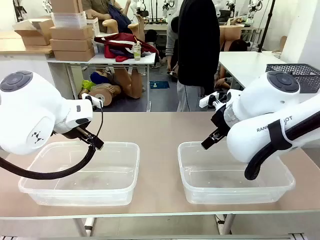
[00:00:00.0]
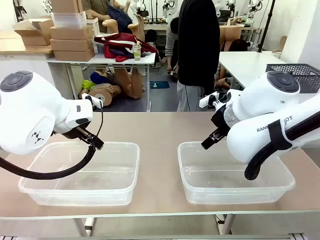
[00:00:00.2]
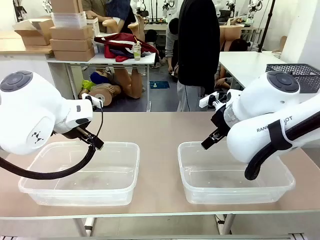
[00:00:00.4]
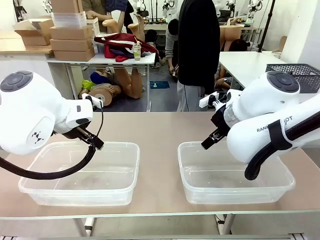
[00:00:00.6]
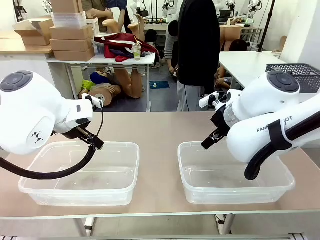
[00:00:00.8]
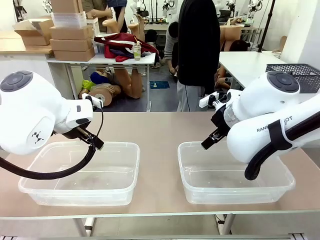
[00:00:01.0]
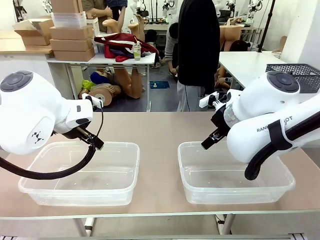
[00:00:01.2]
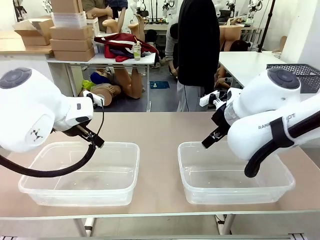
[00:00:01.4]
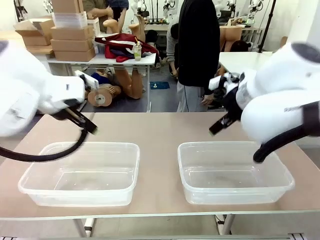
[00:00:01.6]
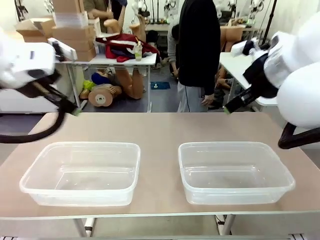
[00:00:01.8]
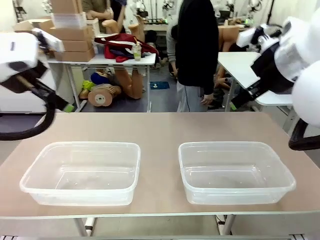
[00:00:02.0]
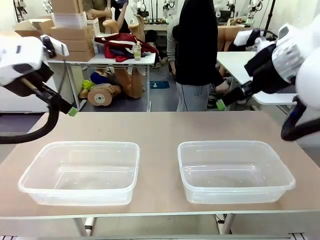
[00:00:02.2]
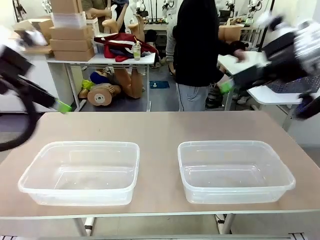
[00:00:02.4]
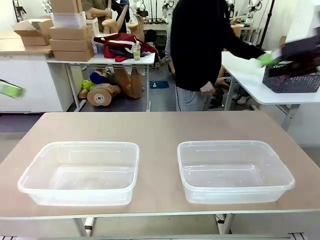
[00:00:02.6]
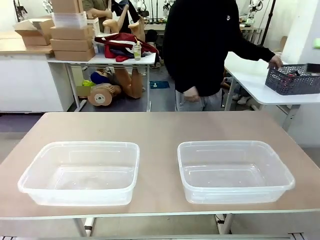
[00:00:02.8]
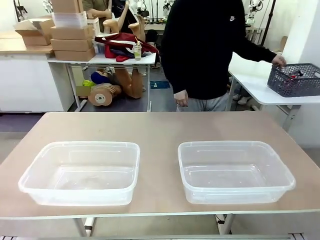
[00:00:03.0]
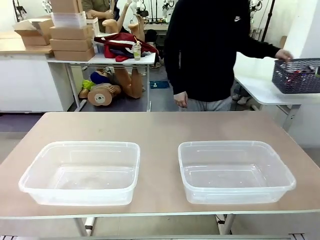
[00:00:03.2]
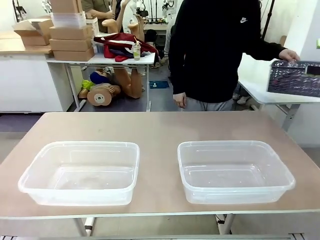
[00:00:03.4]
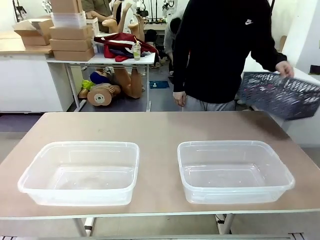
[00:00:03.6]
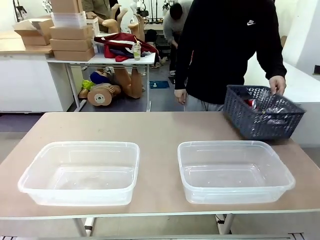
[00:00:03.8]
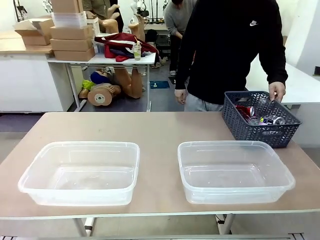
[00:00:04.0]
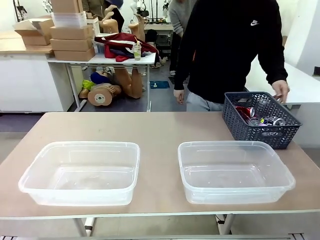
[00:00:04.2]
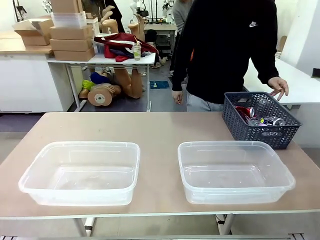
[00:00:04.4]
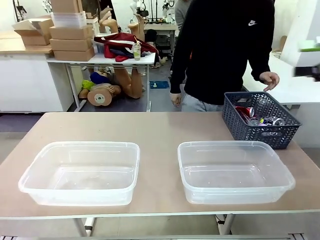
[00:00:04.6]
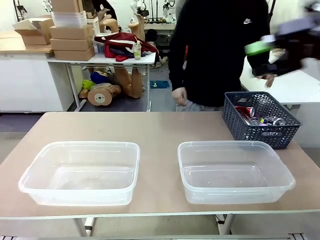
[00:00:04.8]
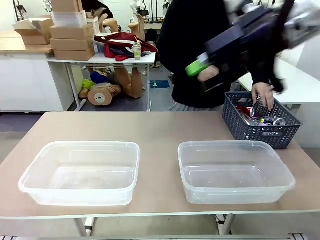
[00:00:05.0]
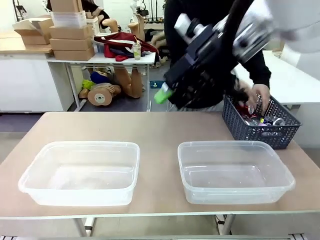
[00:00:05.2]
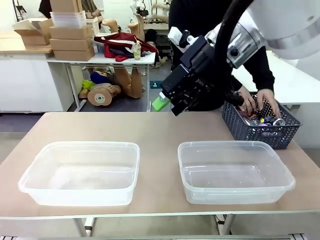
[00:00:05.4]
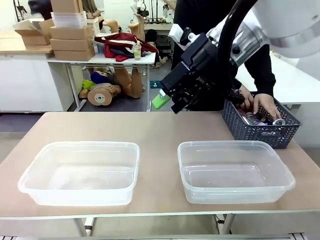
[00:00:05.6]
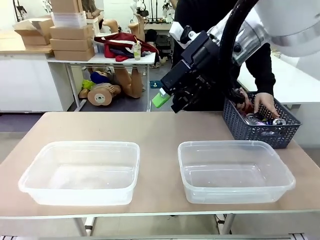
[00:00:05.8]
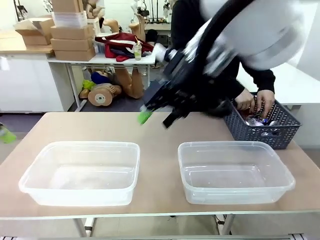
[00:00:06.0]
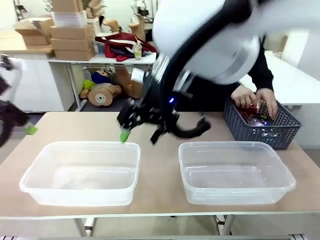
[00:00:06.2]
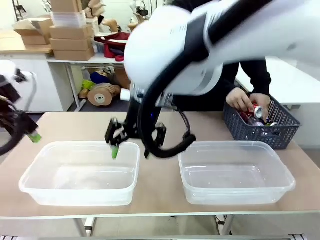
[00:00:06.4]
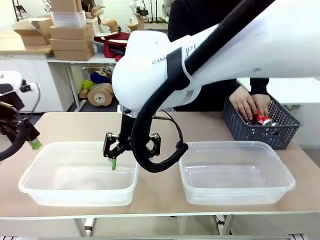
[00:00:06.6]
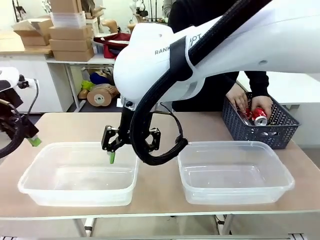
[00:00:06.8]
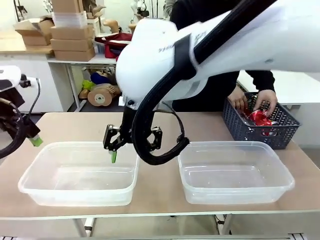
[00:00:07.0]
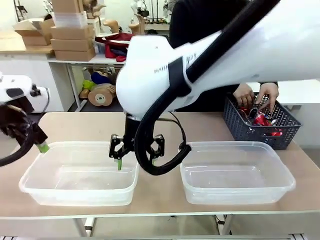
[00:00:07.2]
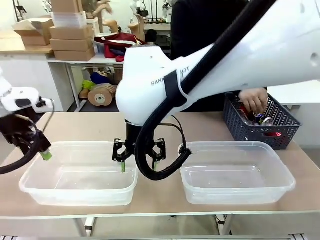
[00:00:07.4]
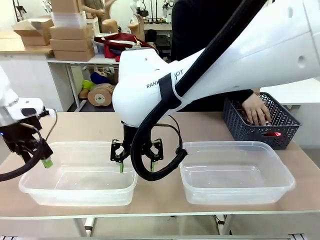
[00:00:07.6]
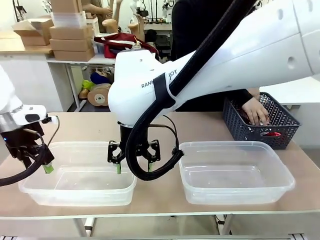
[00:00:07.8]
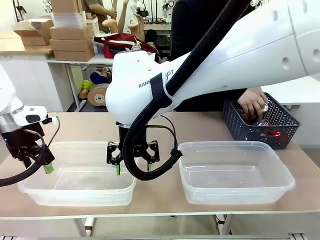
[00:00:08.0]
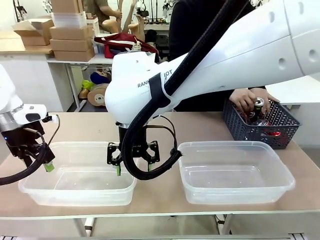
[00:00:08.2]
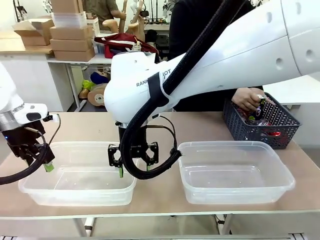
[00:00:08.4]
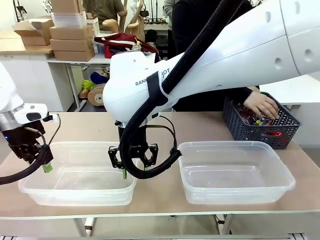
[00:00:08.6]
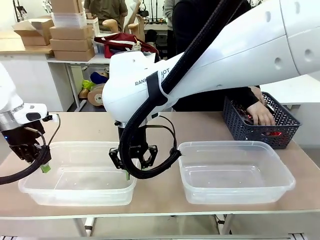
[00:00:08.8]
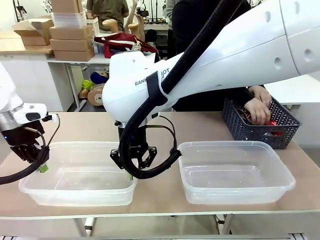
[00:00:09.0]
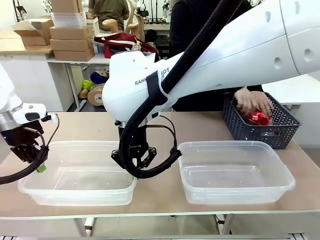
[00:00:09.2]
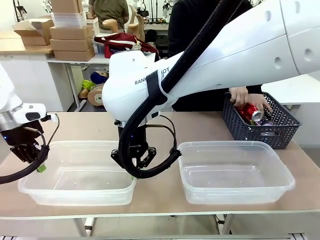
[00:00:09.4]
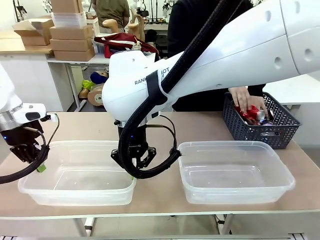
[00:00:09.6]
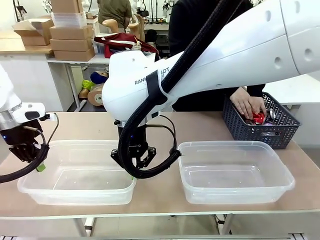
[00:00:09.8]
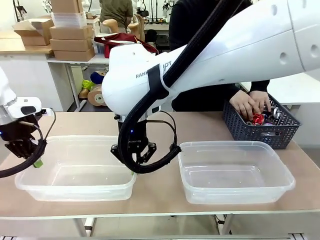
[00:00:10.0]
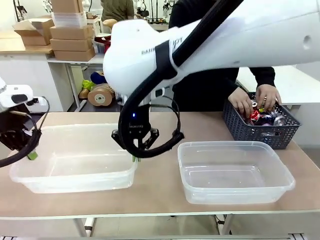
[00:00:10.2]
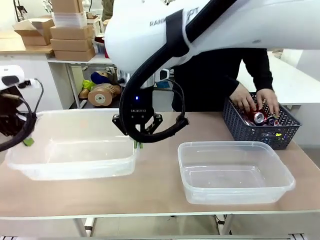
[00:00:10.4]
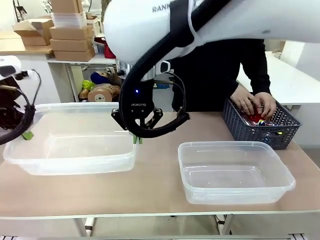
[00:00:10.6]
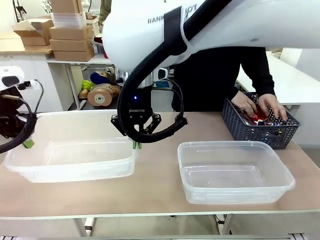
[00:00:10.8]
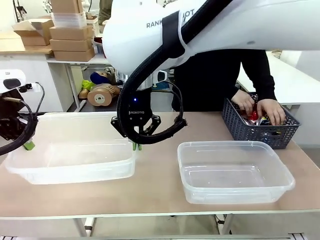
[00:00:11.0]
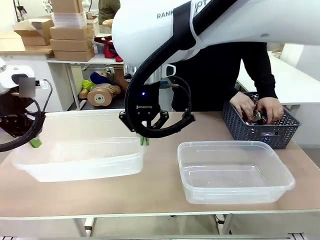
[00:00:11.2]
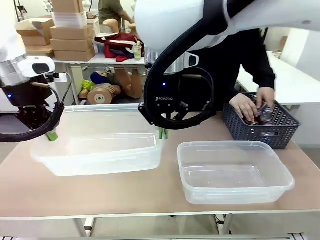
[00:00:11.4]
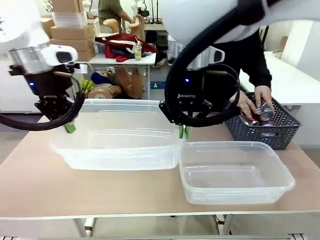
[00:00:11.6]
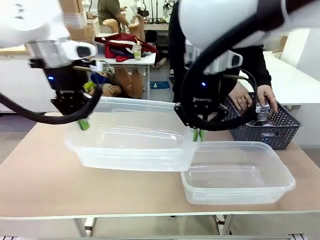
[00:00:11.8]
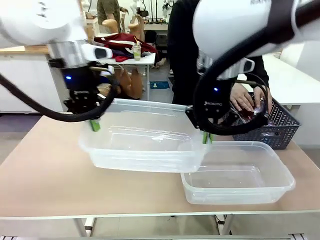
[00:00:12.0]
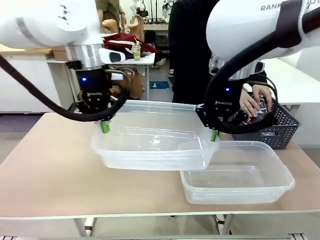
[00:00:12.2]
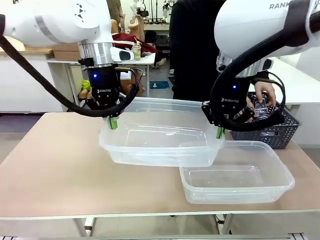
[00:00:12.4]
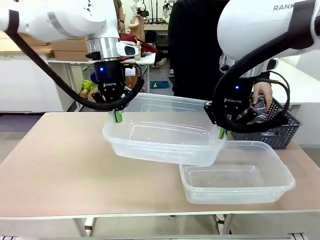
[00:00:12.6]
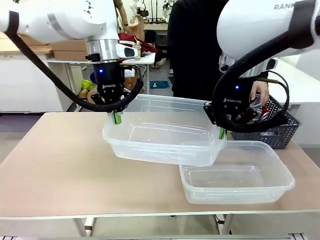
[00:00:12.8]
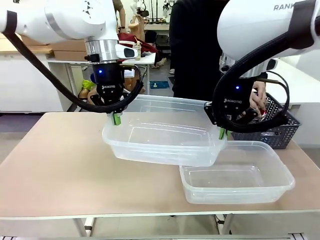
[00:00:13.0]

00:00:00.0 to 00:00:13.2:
Robot: Pick up the Organizing box on the left side of the table and lift it.
Person: Pick up the storage basket and place it on the left side of the robot table. Pick up can-shaped waste one by one and place it into the organizing box lifted by the robot.

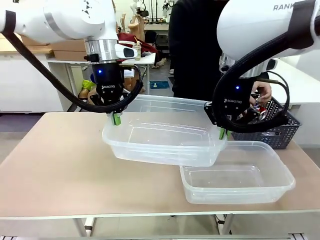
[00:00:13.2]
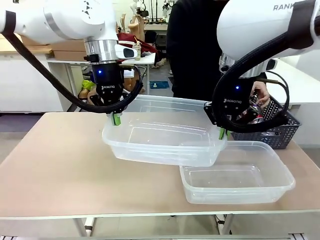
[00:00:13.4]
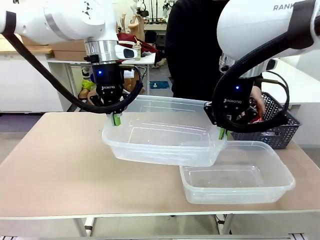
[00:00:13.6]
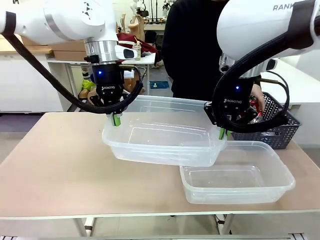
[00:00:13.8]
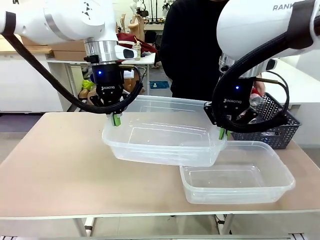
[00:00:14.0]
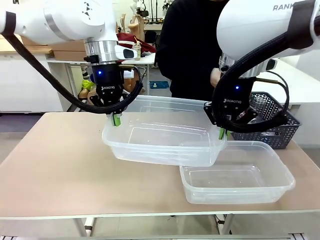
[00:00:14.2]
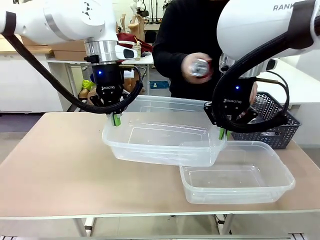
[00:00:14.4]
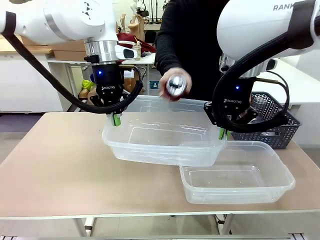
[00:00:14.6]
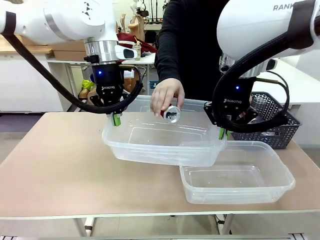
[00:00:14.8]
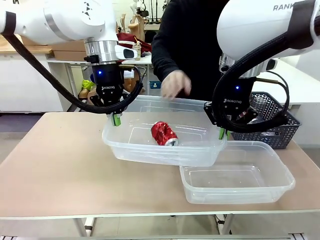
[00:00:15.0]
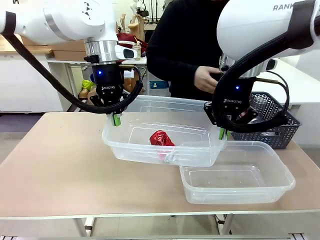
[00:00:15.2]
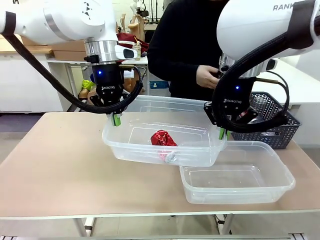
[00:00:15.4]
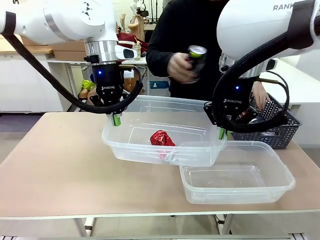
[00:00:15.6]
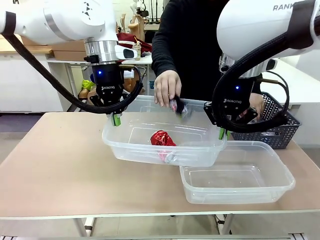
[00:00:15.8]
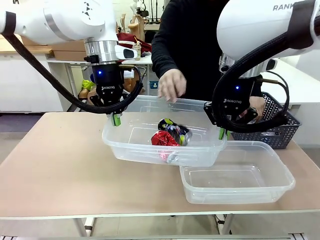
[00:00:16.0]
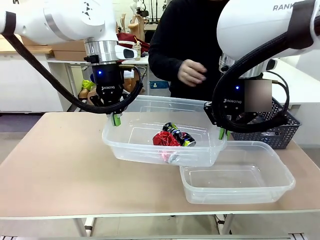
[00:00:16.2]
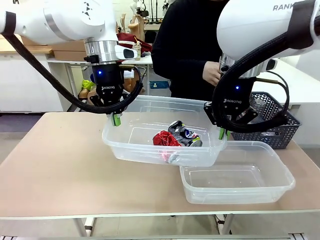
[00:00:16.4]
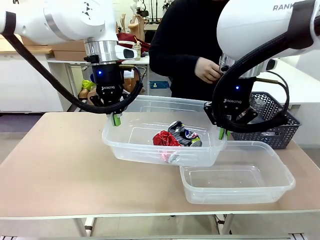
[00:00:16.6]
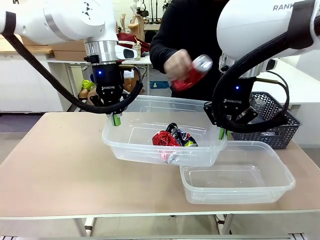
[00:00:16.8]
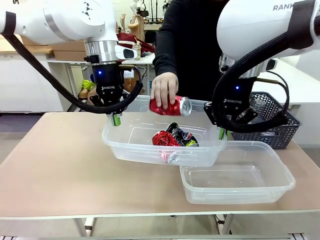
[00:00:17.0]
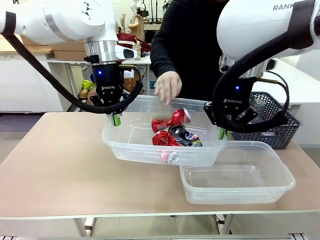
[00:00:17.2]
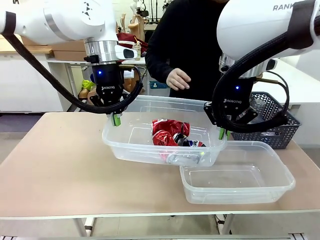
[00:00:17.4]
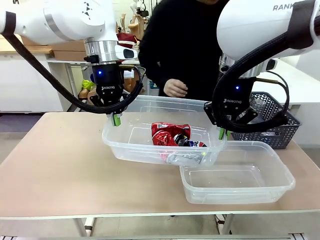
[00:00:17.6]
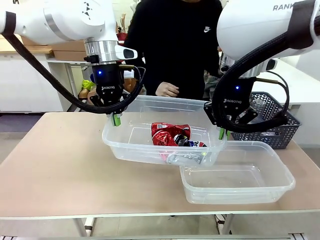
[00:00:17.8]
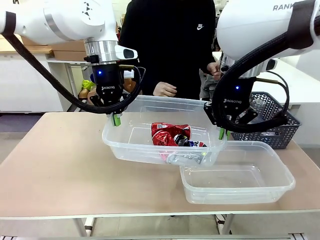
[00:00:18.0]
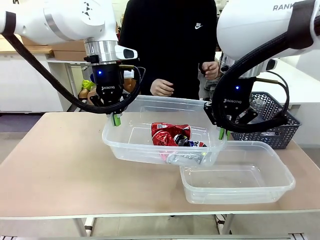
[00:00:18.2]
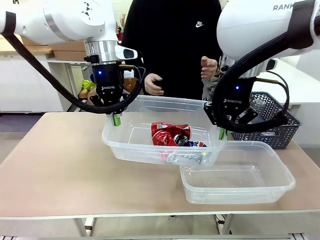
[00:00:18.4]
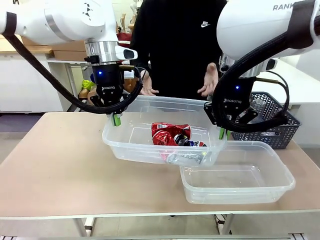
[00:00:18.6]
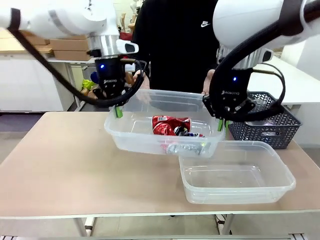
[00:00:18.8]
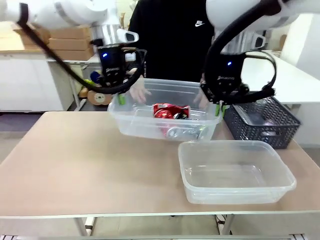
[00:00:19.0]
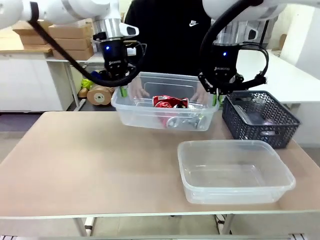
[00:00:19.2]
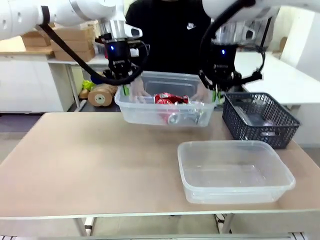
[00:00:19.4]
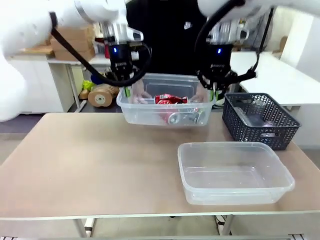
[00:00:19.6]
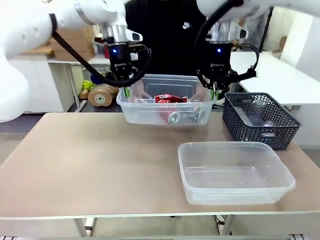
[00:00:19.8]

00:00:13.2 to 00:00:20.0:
Robot: Offer the picked Organizing box to the human.

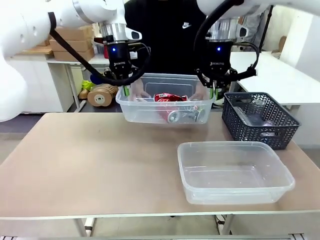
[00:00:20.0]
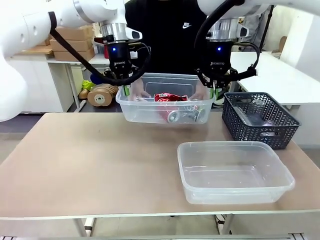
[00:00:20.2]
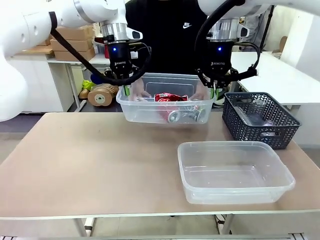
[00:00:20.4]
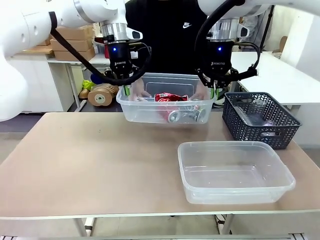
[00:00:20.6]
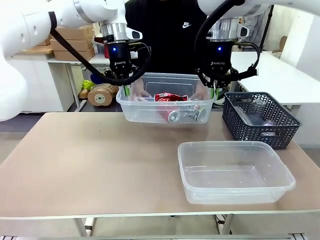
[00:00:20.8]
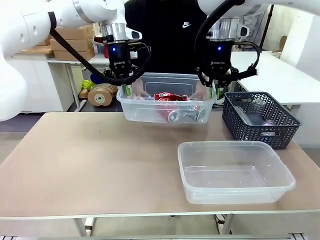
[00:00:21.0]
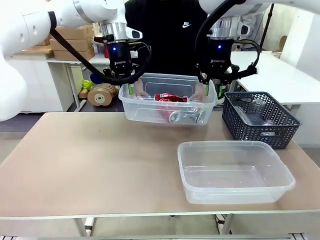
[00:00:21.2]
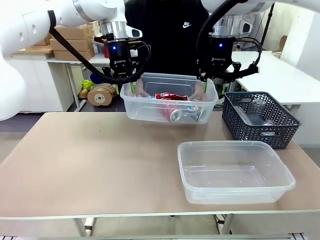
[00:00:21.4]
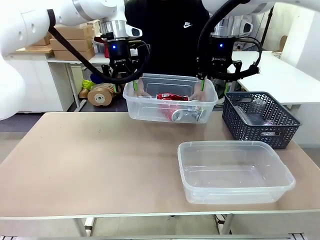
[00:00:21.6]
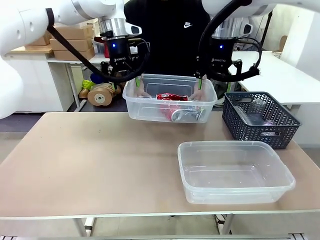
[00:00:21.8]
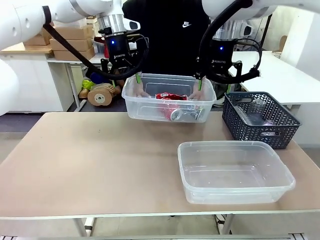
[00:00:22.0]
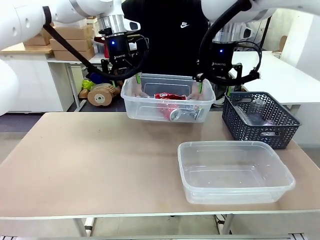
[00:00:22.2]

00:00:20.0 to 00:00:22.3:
Robot: Release the Organizing box you were holding.
